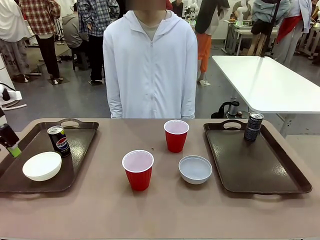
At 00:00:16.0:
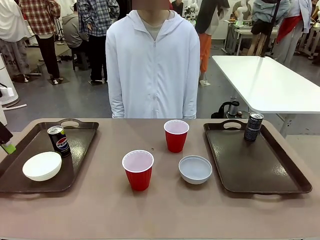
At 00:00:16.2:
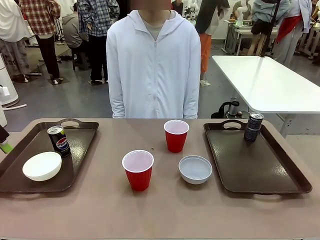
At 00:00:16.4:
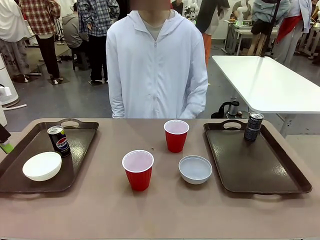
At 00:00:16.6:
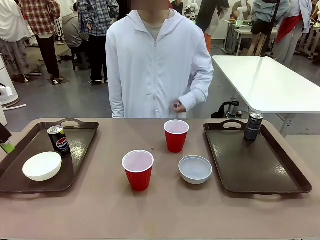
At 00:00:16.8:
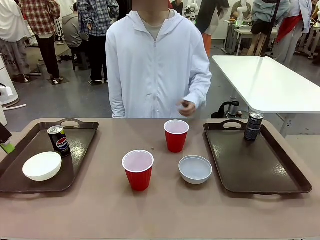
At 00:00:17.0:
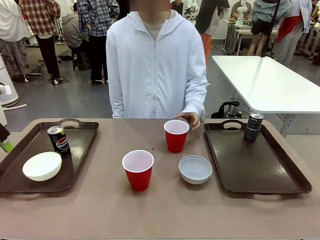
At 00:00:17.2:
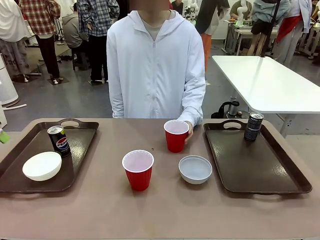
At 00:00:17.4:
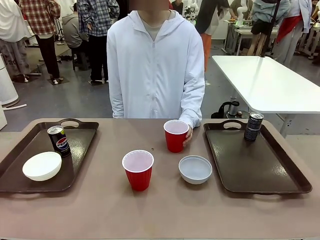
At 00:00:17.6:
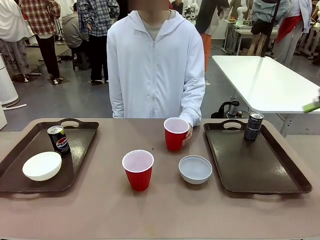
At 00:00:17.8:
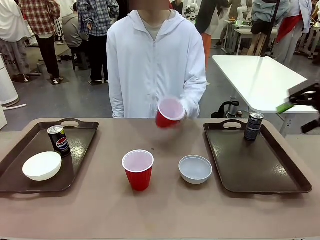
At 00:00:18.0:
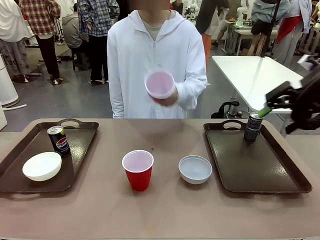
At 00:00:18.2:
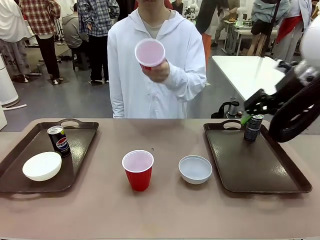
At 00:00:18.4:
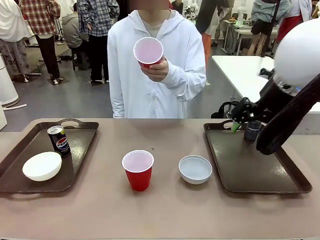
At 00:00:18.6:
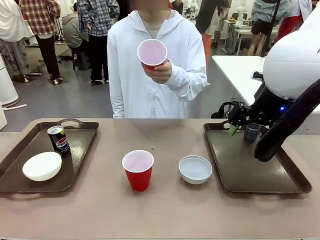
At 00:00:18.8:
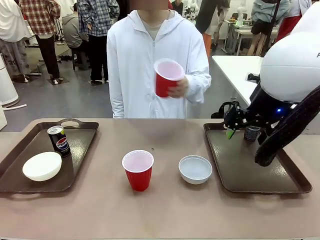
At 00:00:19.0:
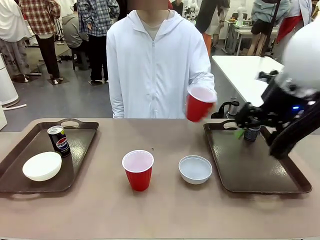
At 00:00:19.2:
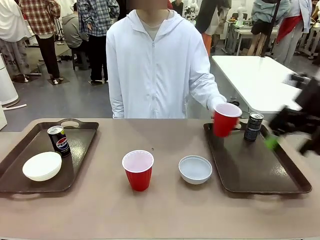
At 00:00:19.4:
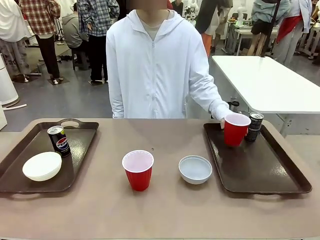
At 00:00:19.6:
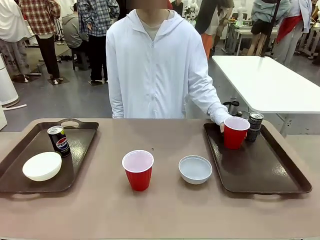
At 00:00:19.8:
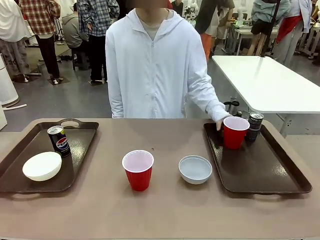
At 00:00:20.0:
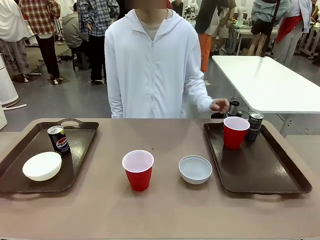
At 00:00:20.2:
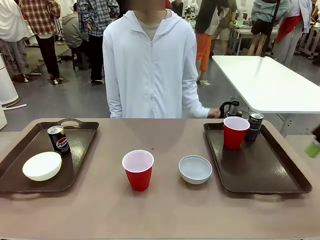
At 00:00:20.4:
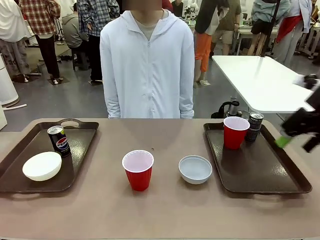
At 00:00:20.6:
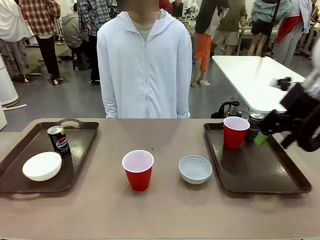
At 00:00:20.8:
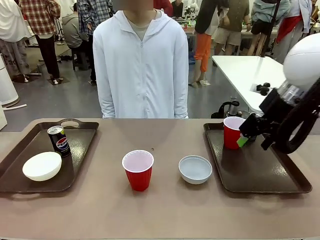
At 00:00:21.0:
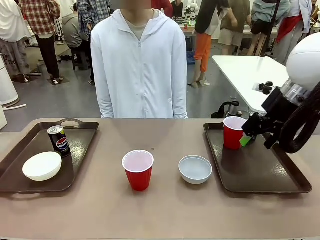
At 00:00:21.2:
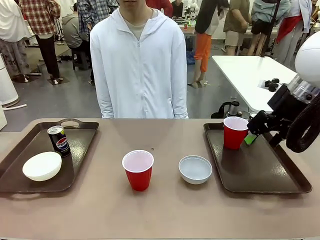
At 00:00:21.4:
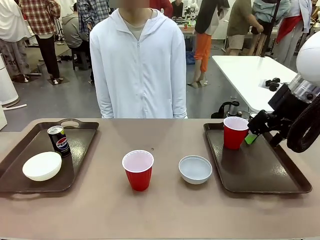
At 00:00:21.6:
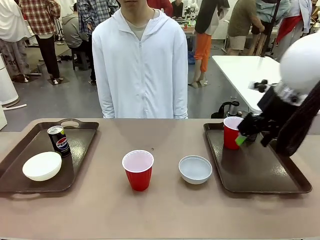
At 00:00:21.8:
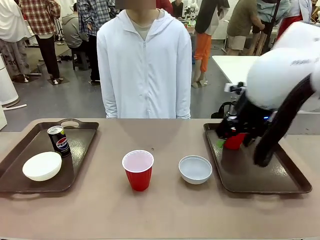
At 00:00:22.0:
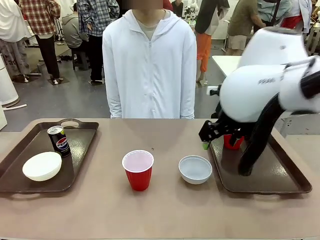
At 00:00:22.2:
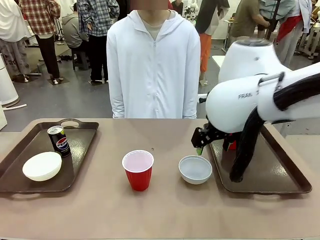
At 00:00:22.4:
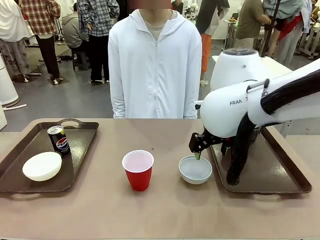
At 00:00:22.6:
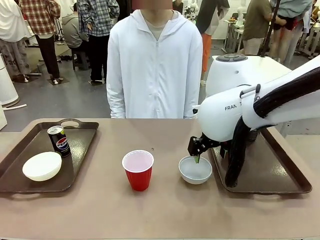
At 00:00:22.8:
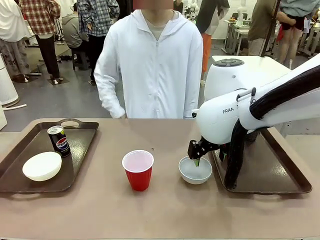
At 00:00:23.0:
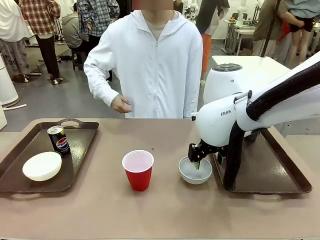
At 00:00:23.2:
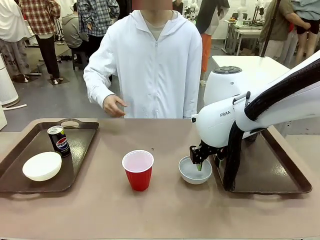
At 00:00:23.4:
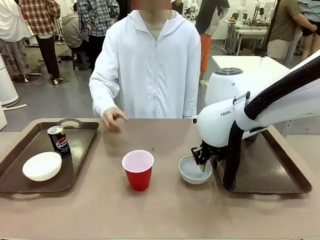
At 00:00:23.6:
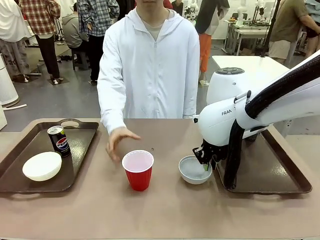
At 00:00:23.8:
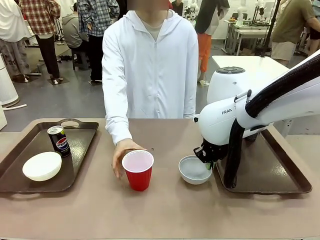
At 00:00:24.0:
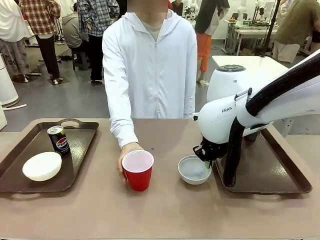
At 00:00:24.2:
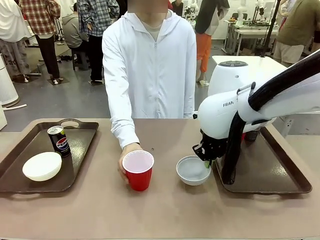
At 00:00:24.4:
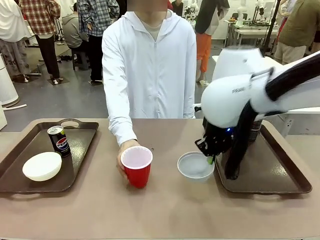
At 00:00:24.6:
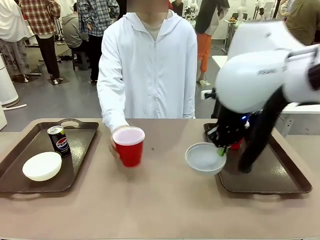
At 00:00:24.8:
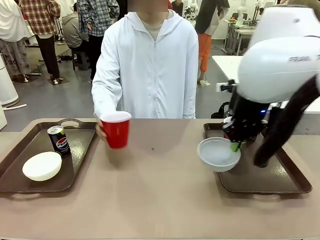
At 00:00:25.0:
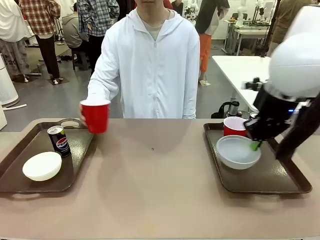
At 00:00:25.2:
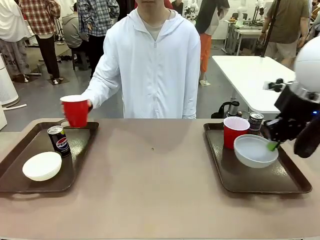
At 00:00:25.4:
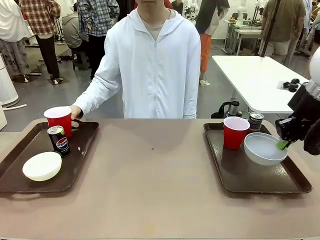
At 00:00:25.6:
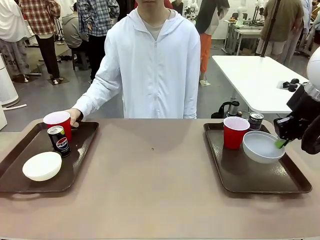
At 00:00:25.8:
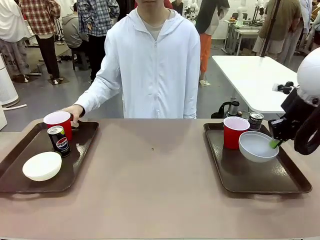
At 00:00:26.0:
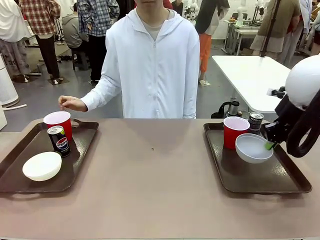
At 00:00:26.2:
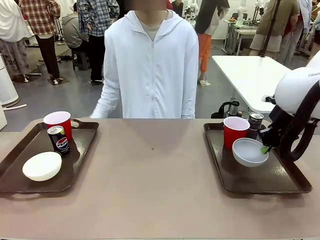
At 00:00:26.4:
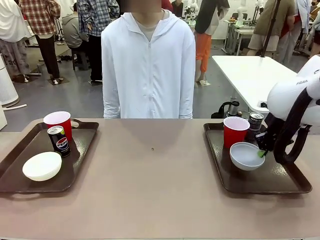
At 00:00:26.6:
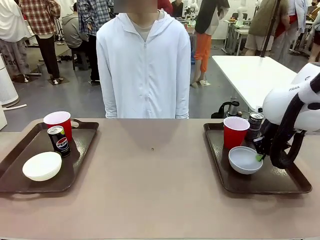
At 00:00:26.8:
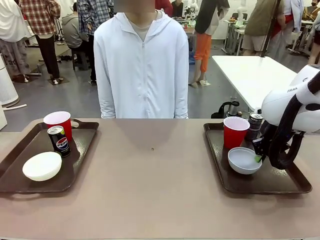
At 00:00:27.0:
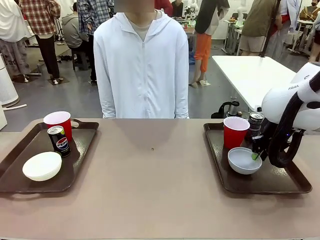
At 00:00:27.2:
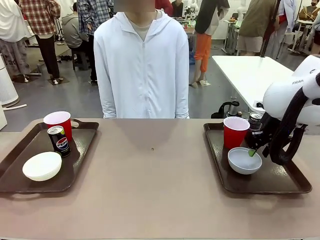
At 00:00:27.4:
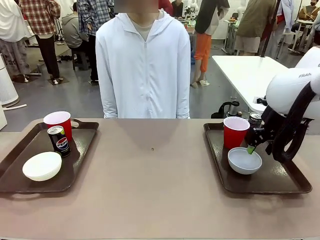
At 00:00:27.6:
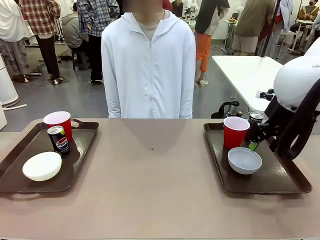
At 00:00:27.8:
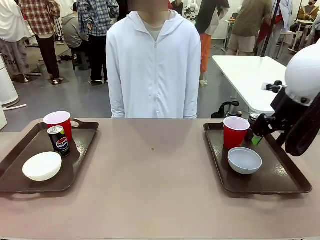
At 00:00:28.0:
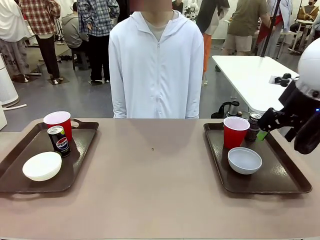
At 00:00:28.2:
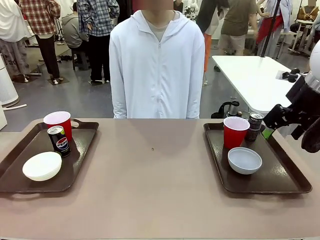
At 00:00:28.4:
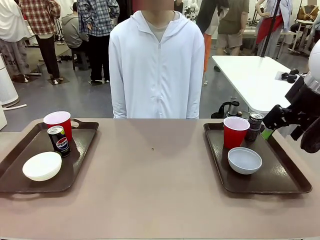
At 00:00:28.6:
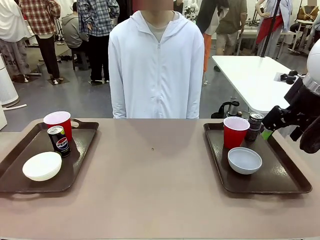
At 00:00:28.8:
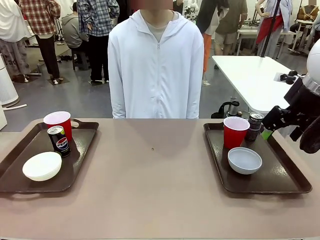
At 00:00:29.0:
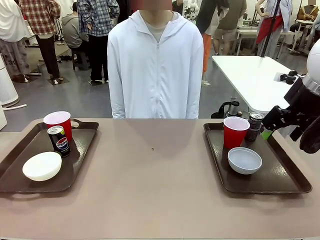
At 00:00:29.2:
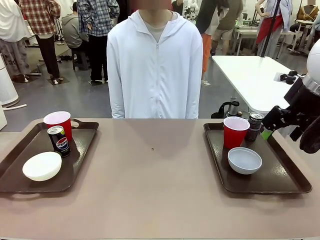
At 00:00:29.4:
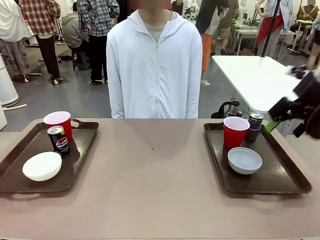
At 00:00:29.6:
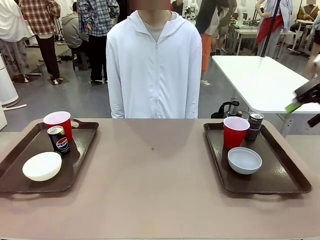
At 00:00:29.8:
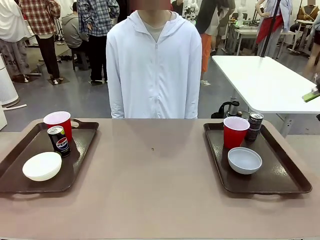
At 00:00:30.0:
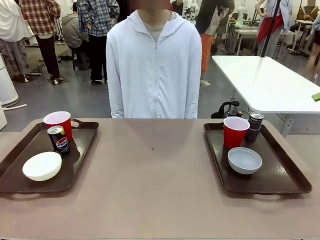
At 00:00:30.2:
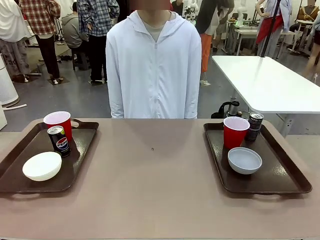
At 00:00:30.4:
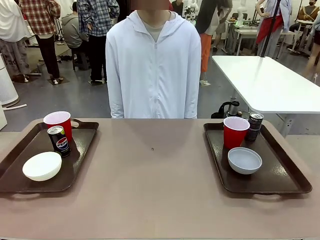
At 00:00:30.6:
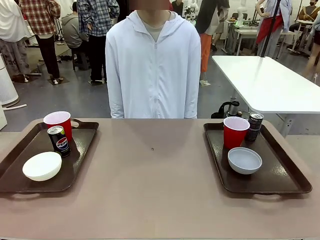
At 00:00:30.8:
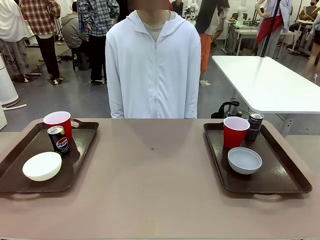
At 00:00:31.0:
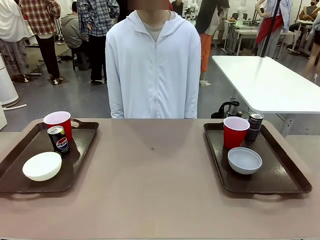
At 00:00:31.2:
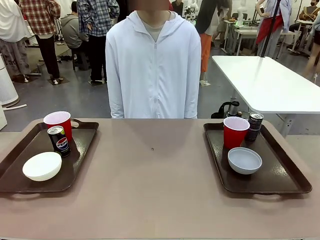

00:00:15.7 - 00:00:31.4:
Task: Prepare tableware on both trays.
Robot: Pick up a Picnic Bowl from the table and place it on a Handle tray.
Person: Pick up a can or cup and place it on the tray without a can or cup.

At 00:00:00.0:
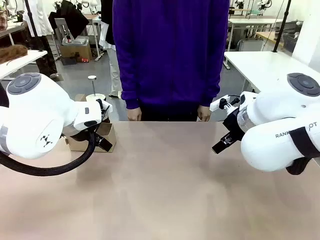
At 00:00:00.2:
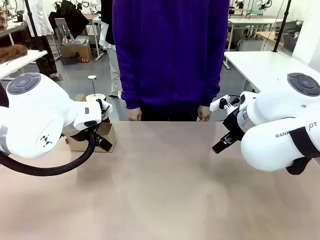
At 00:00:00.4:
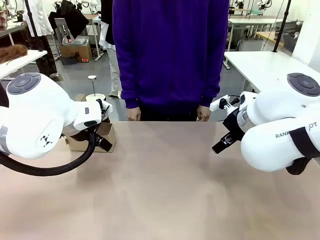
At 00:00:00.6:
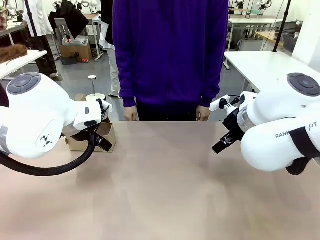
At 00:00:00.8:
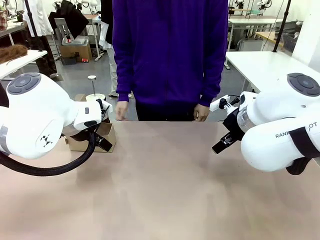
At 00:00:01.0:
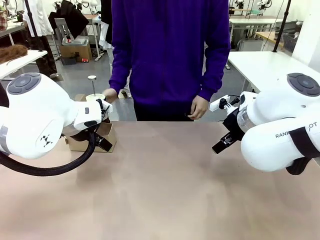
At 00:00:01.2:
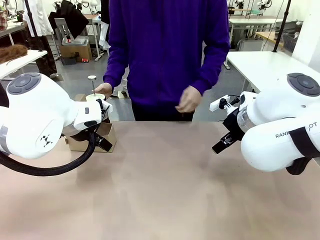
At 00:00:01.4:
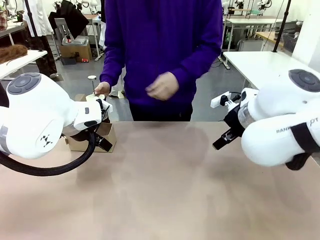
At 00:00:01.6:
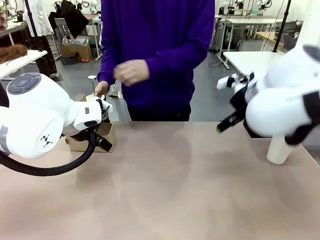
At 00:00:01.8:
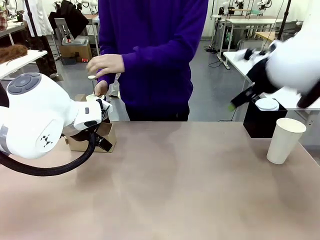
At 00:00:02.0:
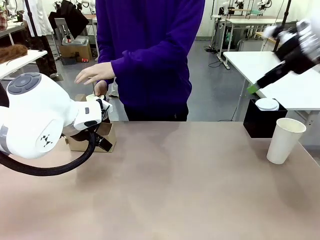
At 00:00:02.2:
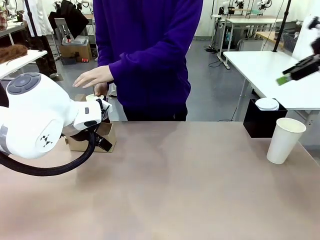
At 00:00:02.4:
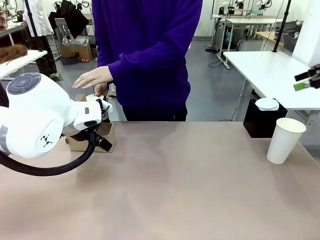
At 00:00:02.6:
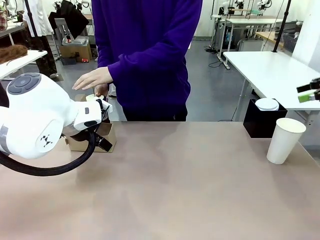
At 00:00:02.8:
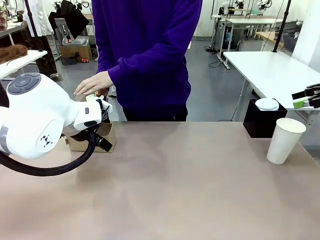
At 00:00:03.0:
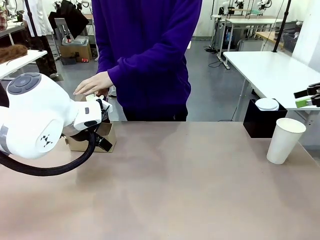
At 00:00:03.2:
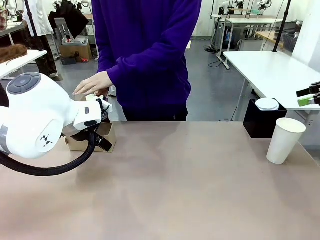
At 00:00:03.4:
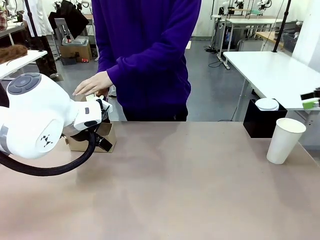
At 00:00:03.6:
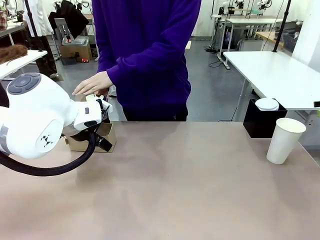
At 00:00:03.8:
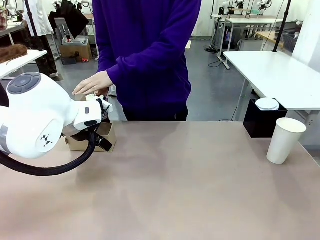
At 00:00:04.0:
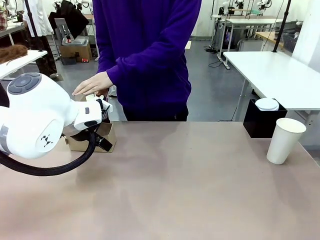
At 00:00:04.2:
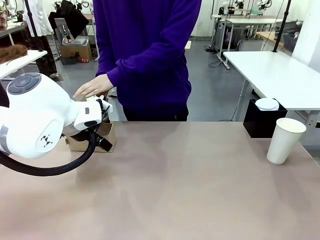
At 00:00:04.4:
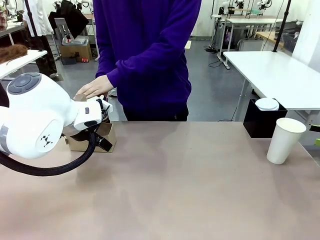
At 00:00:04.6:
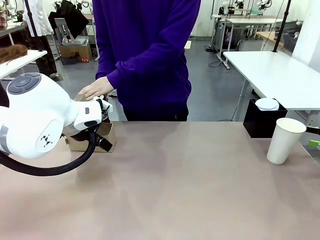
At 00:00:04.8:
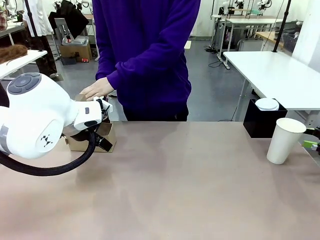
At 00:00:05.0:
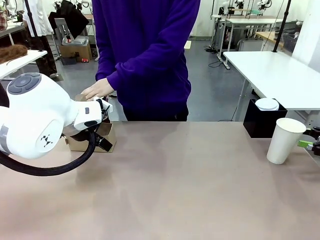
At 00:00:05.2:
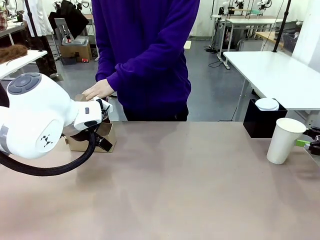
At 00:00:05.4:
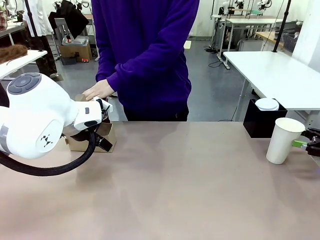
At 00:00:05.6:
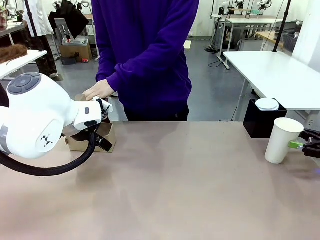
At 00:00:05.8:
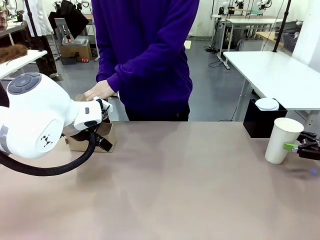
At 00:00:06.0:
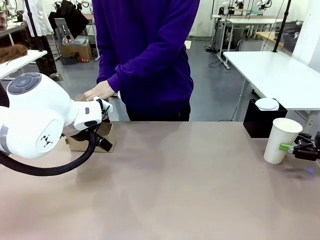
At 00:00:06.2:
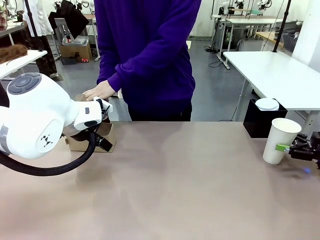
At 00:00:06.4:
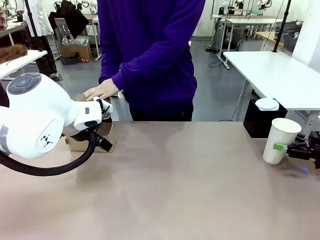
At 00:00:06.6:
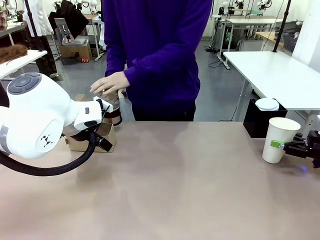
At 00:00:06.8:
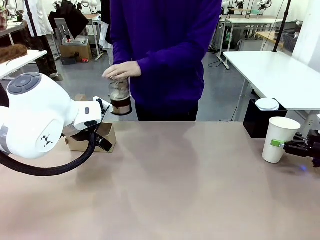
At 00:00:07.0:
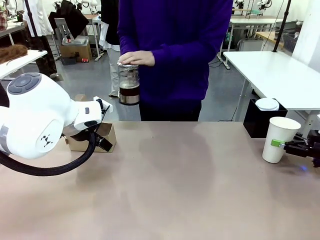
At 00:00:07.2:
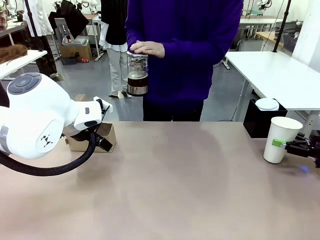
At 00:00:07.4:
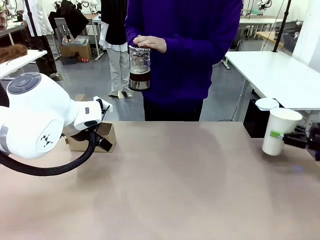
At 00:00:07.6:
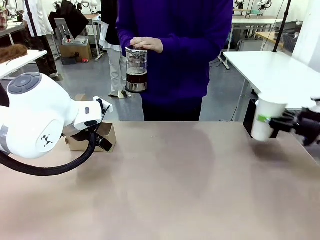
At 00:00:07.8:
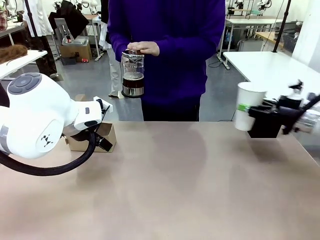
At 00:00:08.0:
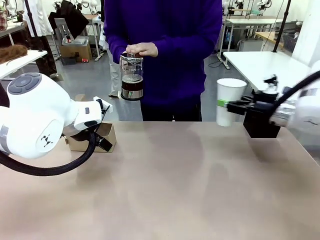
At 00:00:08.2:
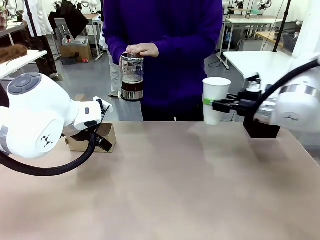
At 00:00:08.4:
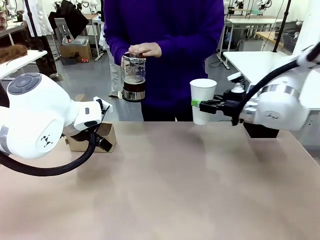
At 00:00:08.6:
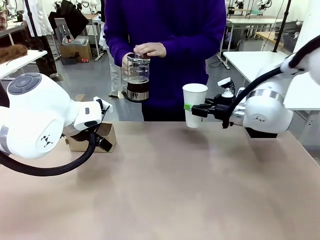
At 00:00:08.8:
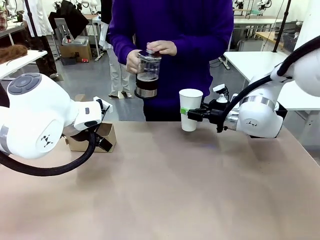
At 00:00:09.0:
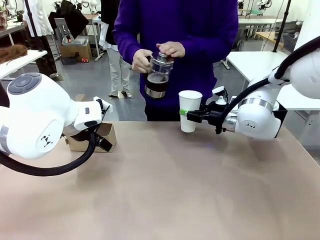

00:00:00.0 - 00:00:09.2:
Task: Pour a drink into a cup and package it in a carrier.
Robot: Pick up the 600 ml Paper Cup and place it in the middle top area of the table.
Person: Press and pick up the Filter Brewing.
